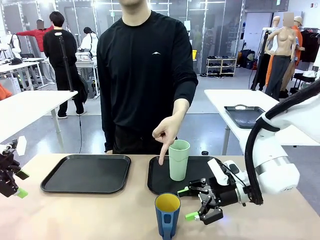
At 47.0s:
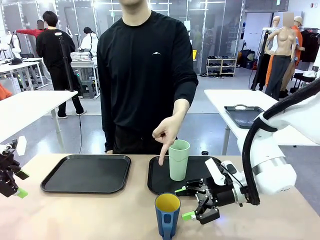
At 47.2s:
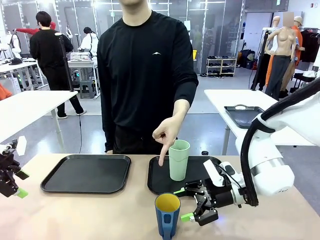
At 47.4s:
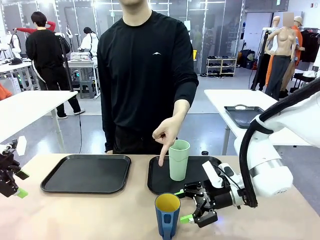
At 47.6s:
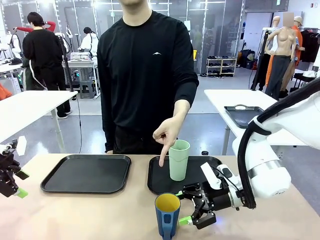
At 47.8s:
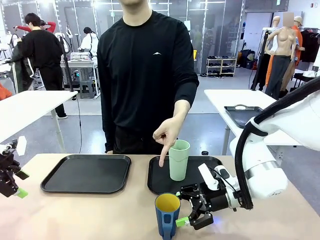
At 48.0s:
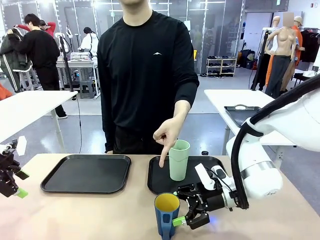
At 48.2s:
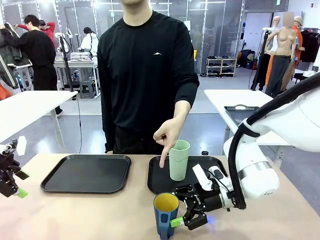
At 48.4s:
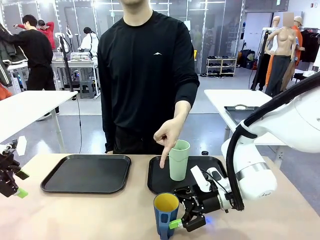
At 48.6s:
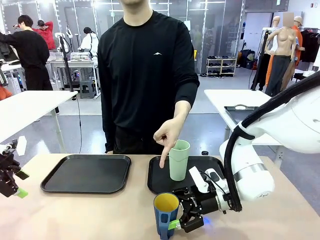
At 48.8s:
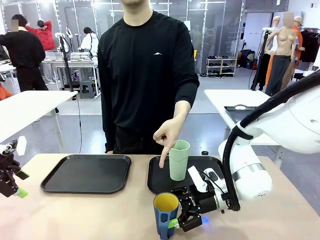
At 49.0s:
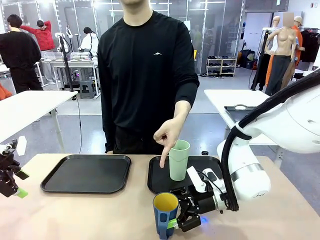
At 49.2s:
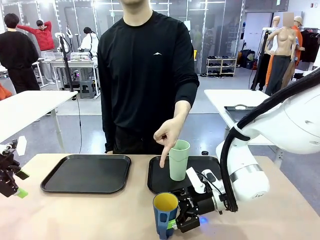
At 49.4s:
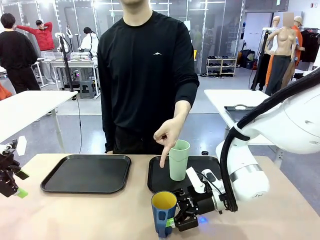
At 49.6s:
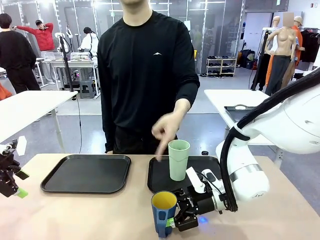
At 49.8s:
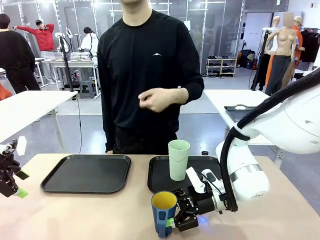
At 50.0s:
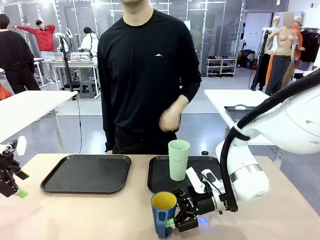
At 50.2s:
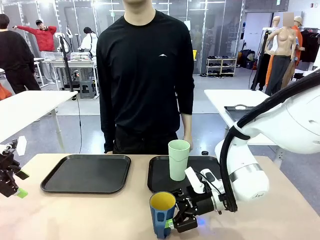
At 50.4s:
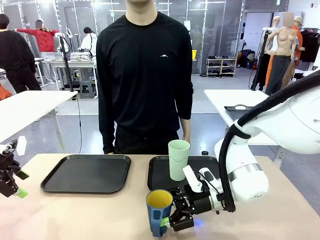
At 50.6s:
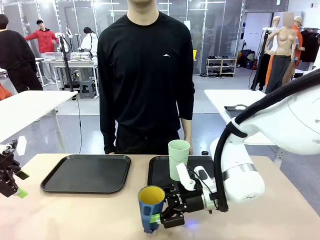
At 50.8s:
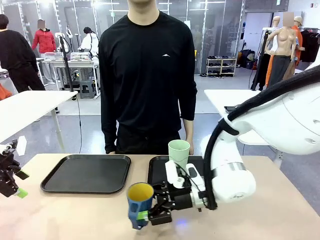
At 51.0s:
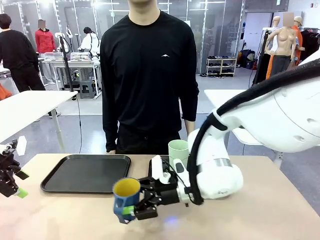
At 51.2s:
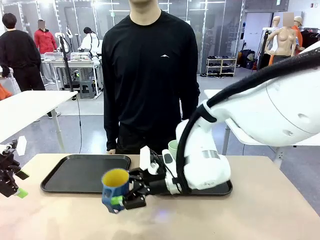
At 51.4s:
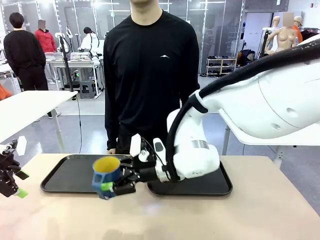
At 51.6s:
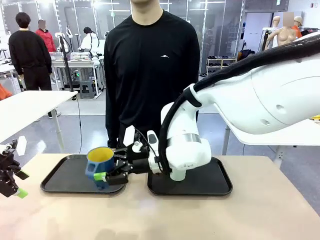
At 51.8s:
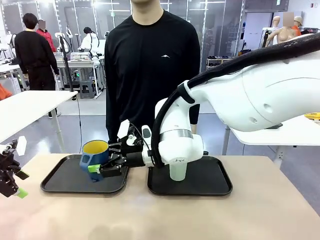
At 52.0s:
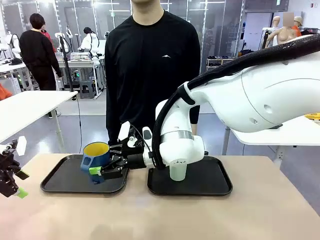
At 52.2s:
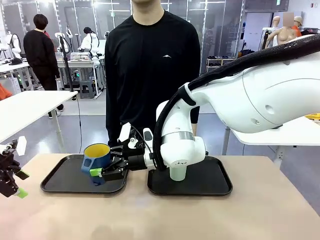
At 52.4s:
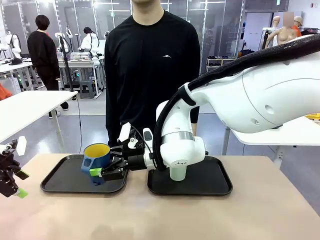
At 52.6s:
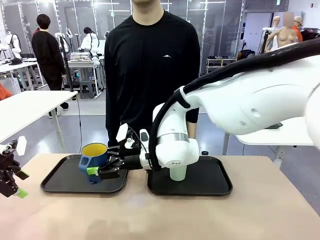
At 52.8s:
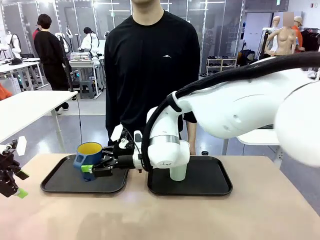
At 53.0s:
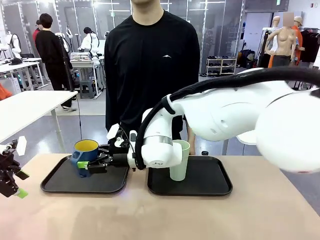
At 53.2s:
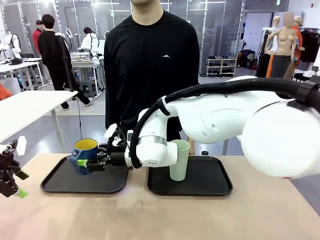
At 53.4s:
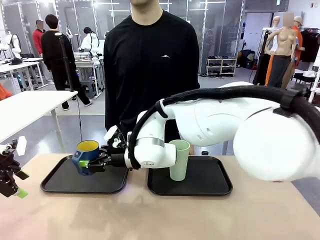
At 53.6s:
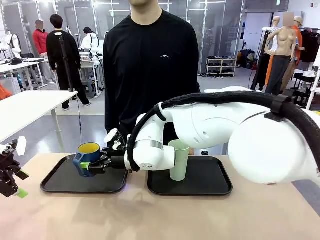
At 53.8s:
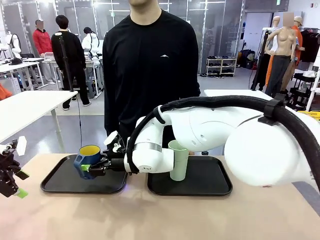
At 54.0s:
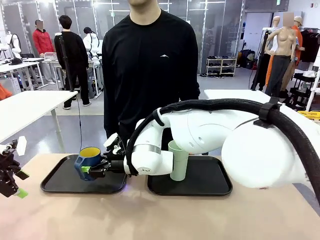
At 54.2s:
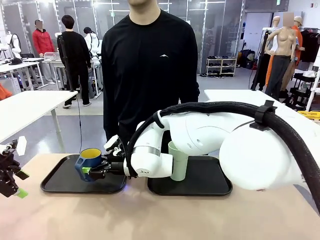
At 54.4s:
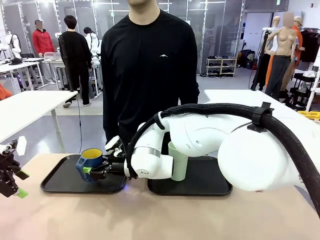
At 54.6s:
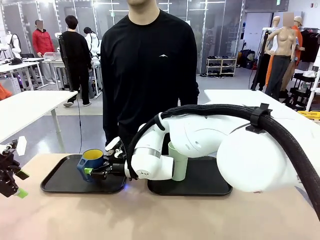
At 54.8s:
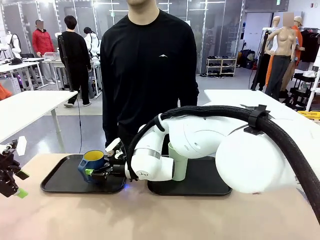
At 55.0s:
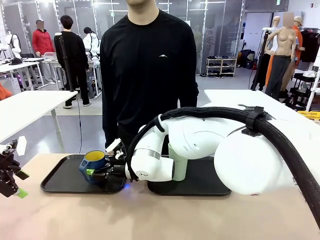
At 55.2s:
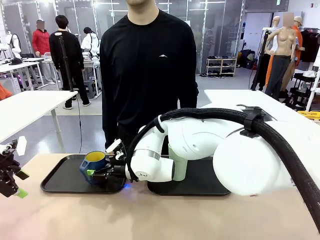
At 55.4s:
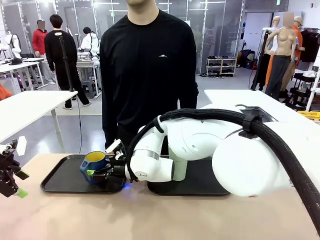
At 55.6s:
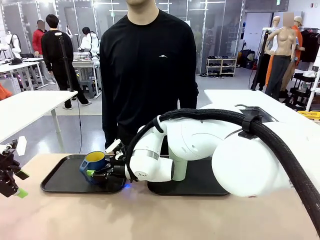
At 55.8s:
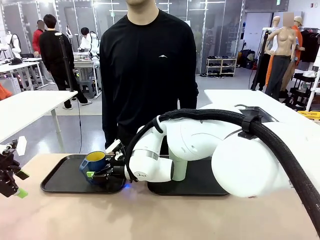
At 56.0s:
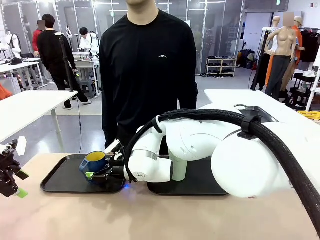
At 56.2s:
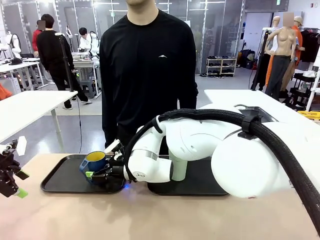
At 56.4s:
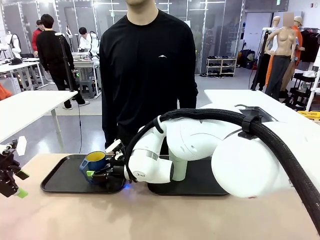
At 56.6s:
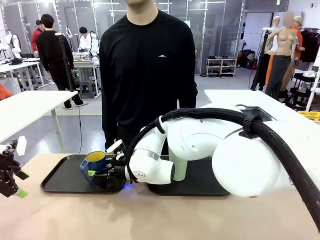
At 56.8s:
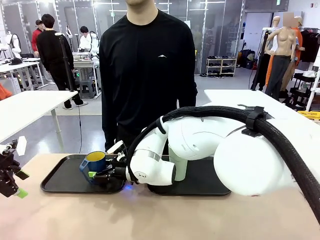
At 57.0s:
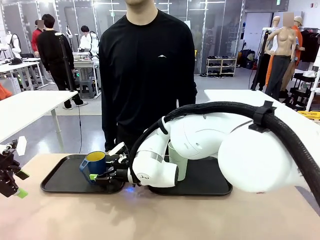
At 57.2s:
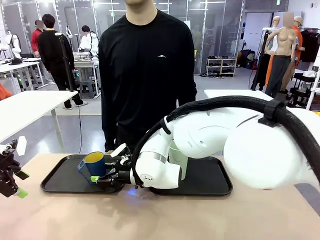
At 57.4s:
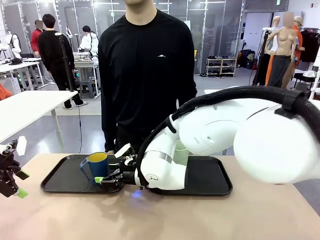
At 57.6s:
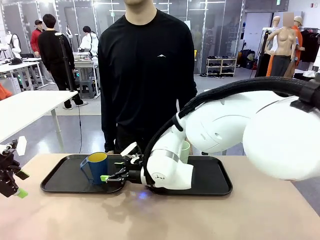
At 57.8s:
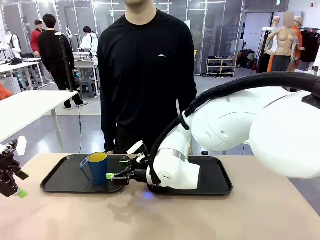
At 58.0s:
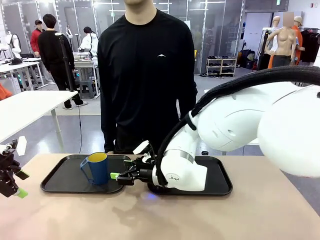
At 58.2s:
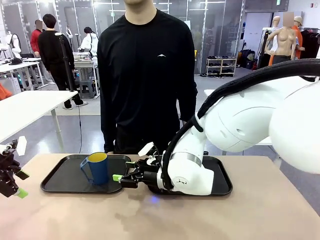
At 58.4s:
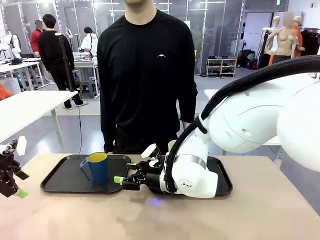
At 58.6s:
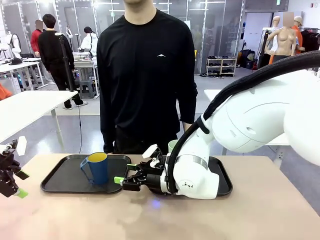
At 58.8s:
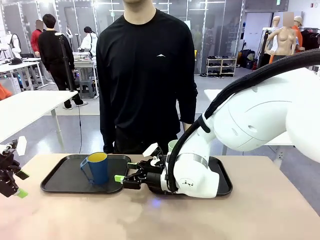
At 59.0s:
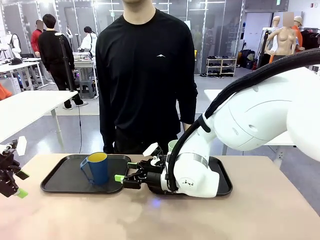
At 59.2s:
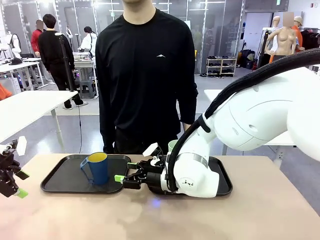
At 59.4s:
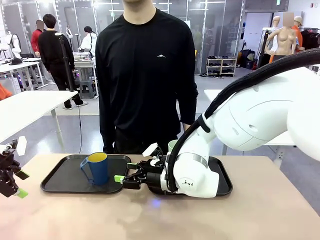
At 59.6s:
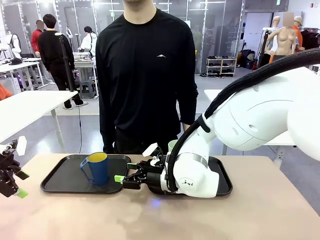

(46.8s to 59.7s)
Task: Sort and store the cups by type.
Robot: Pick up the Handle plastic cup and place it into the empty Flat Tray.

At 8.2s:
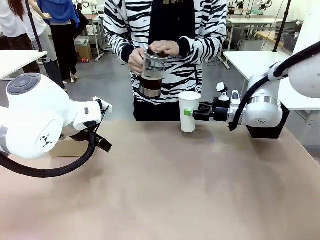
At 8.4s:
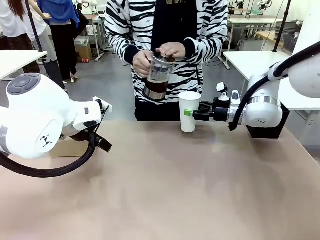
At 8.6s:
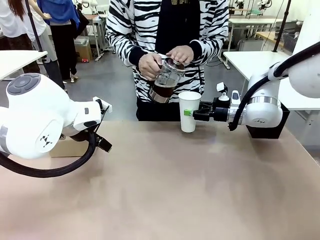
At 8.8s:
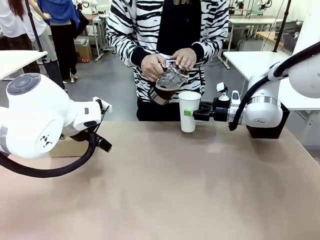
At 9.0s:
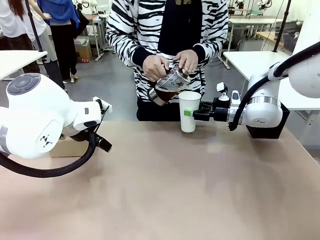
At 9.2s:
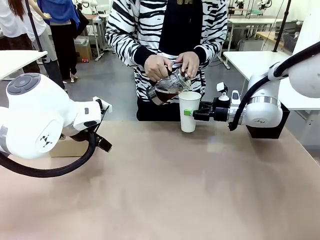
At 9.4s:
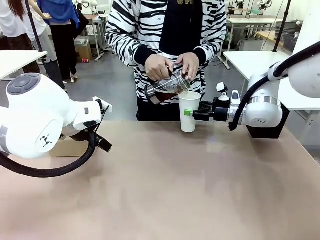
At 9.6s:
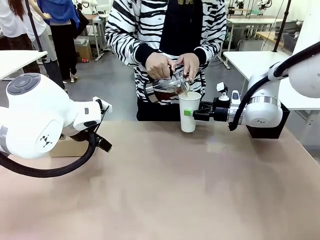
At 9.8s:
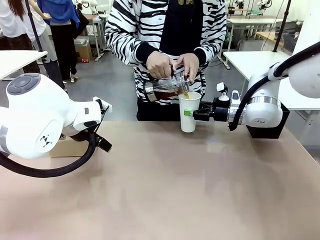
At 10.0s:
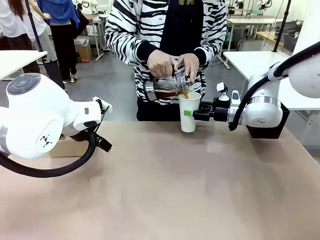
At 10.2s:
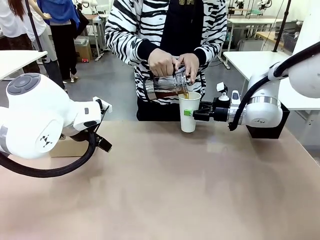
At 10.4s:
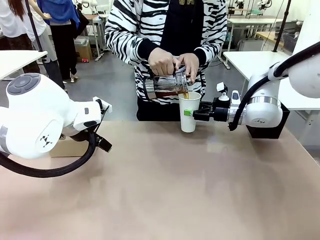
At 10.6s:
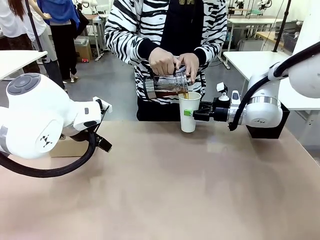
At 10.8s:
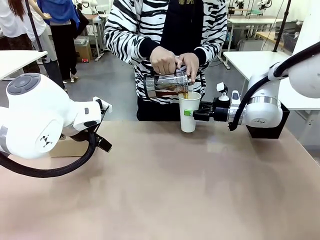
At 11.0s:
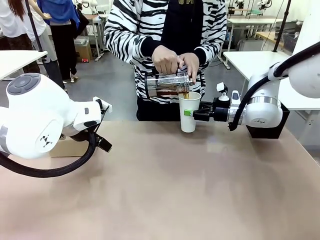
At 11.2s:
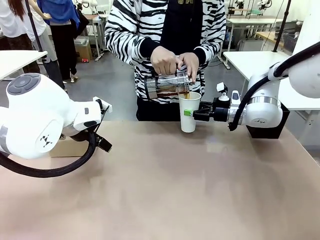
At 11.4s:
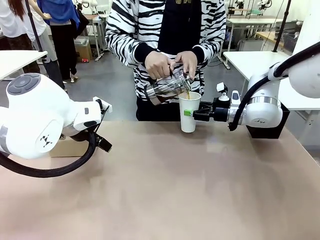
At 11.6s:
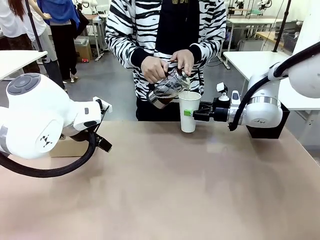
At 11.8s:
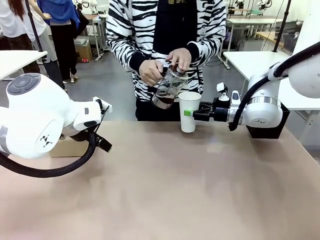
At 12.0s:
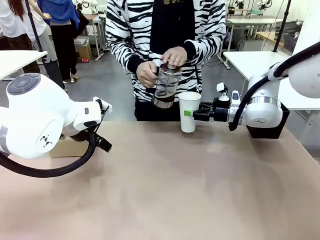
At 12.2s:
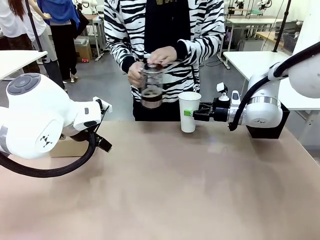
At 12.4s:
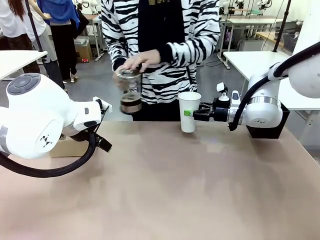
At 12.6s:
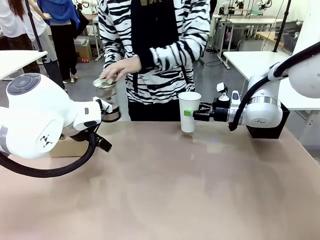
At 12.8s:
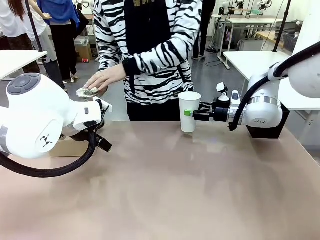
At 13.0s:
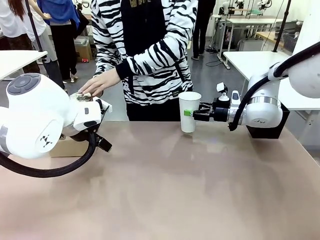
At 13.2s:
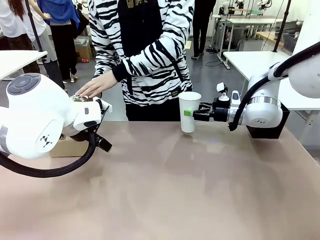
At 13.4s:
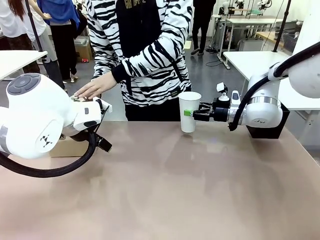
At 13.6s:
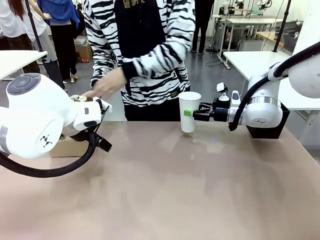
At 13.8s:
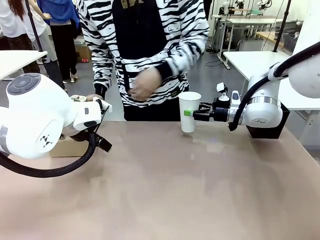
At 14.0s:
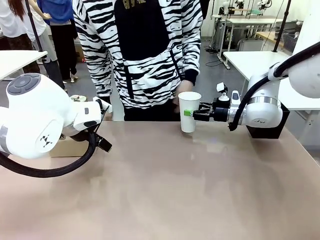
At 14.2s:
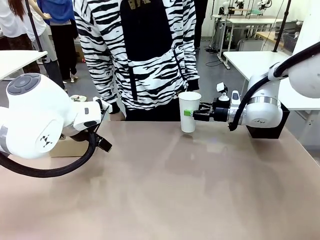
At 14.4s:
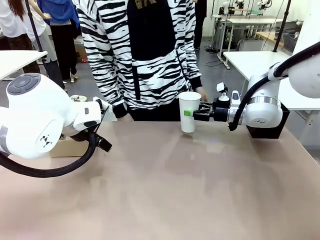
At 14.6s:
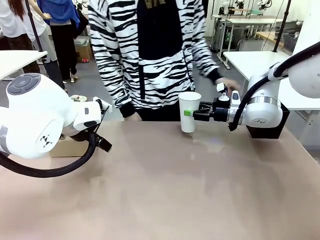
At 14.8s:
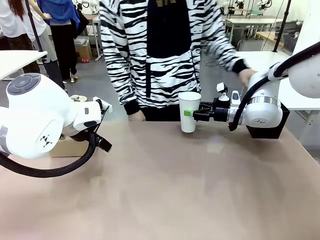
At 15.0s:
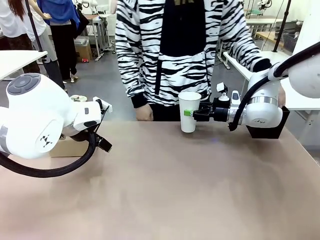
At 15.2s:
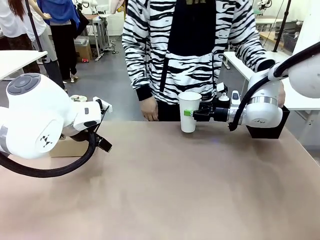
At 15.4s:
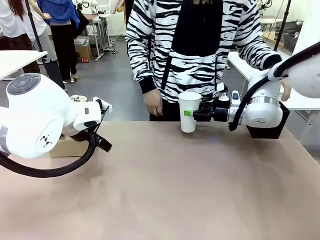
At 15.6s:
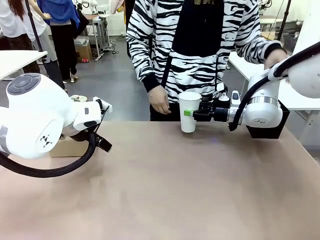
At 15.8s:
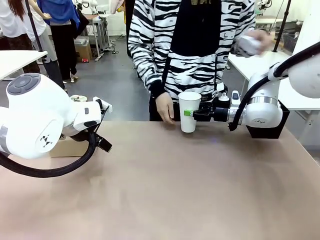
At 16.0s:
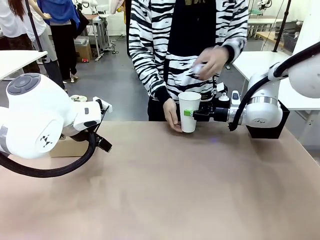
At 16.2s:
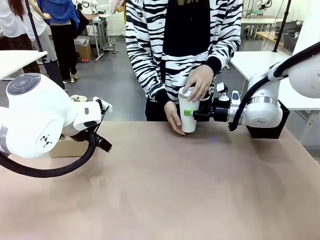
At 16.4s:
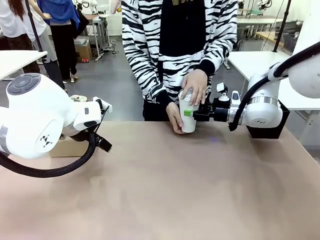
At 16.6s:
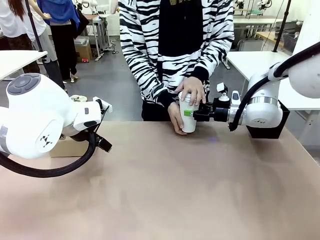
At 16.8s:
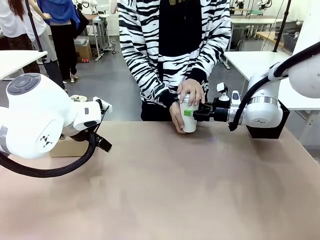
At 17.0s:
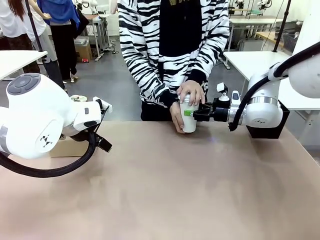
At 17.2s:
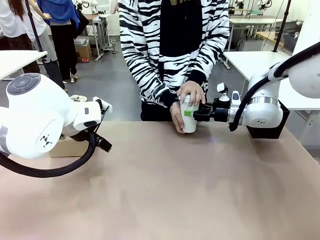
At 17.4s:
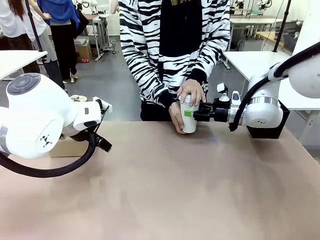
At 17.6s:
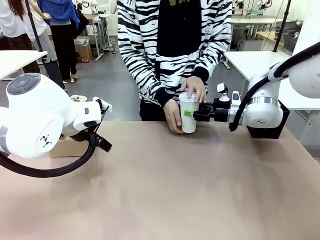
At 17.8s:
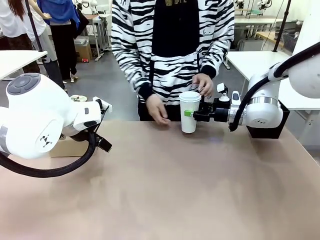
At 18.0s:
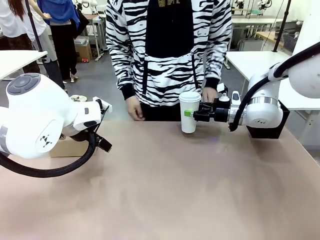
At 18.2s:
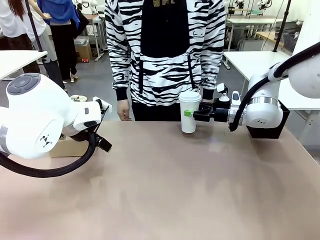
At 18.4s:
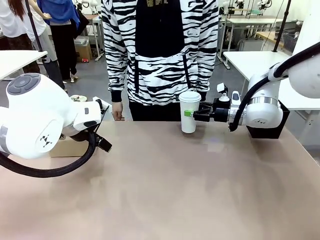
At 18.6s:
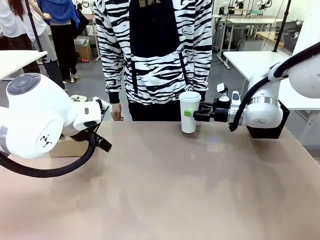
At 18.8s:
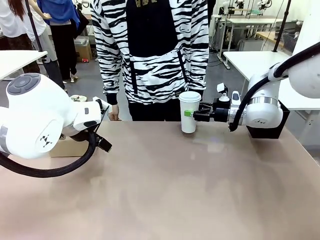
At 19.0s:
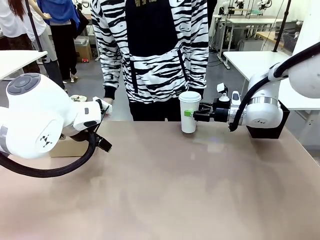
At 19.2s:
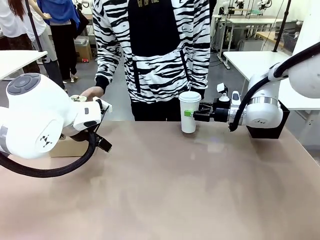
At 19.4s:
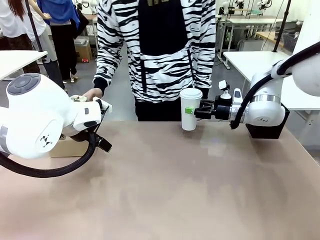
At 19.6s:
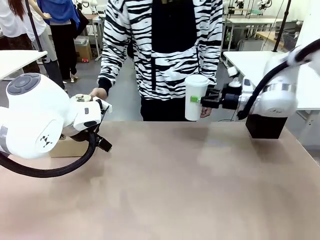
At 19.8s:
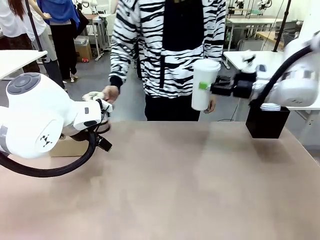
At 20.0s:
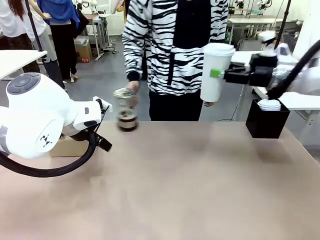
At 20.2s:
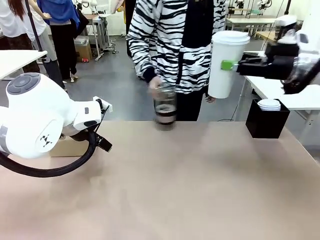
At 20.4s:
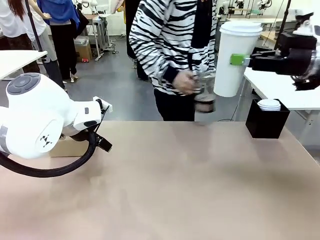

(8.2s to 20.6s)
Task: Pour a drink into a cup and package it in a carrier.
Robot: When a person places the Paper Cup Lid on the 600 ml Paper Cup , lift the 600 ml Paper Cup.
Person: Pour the drink from the Filter Brewing into the 600 ml Paper Cup. Place a Paper Cup Lid on the 600 ml Paper Cup.
